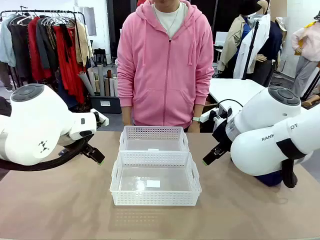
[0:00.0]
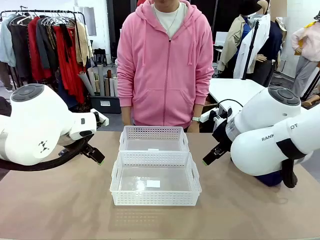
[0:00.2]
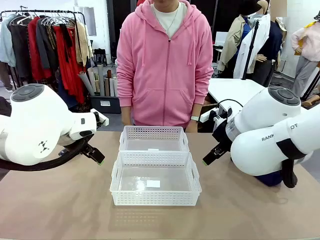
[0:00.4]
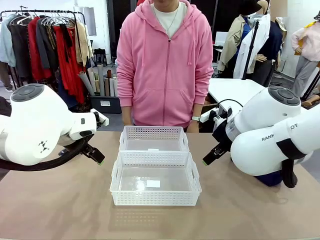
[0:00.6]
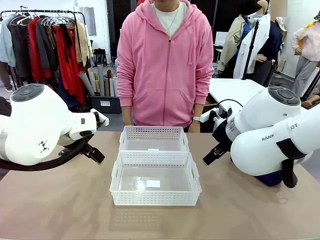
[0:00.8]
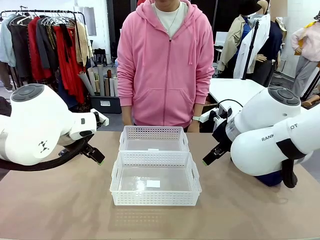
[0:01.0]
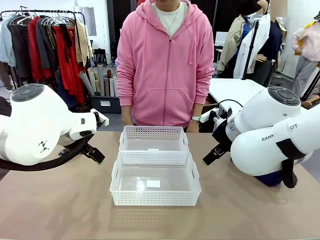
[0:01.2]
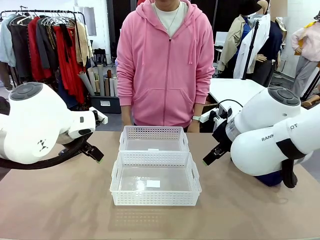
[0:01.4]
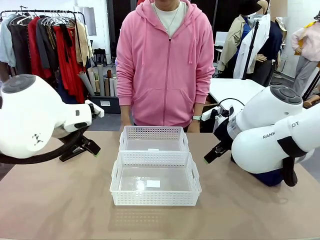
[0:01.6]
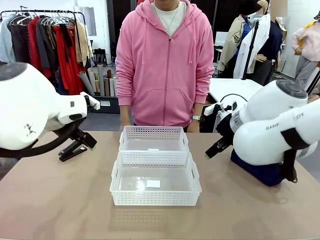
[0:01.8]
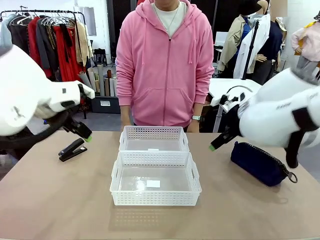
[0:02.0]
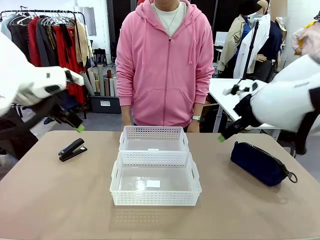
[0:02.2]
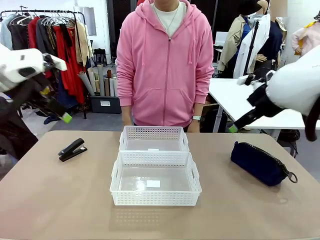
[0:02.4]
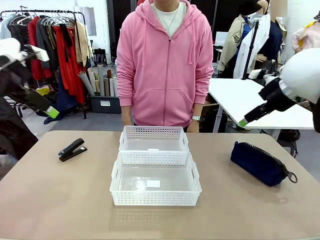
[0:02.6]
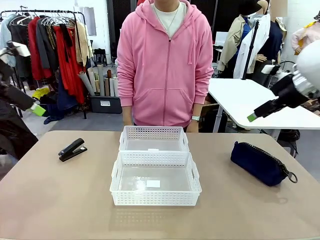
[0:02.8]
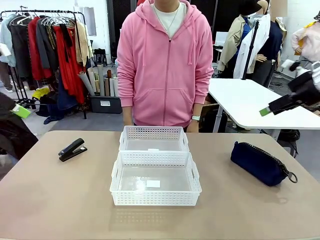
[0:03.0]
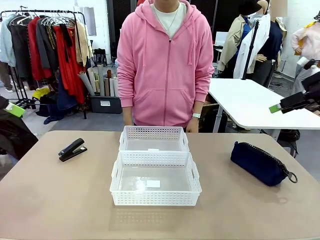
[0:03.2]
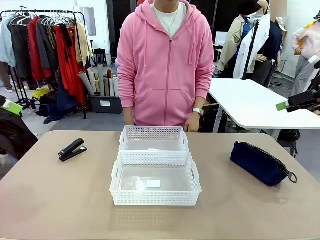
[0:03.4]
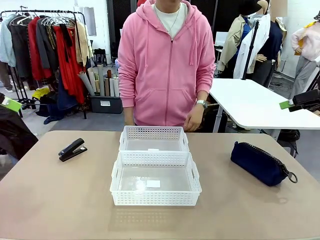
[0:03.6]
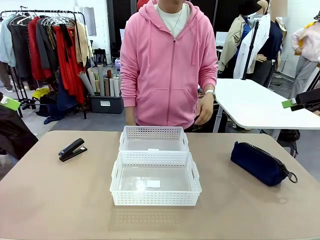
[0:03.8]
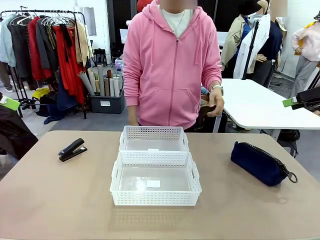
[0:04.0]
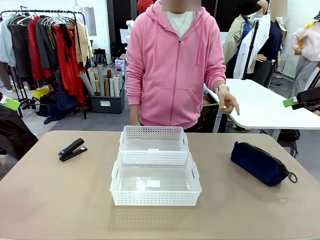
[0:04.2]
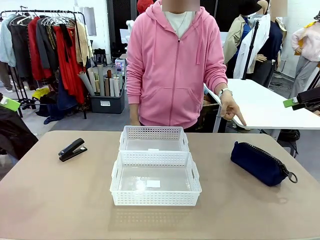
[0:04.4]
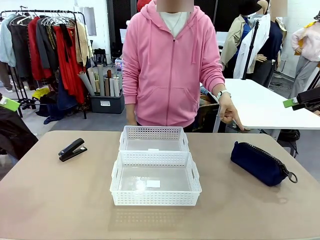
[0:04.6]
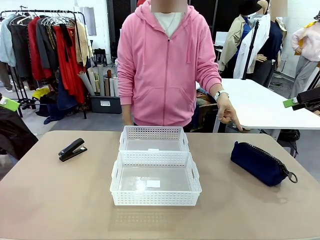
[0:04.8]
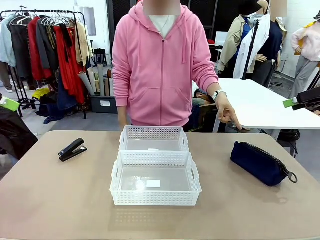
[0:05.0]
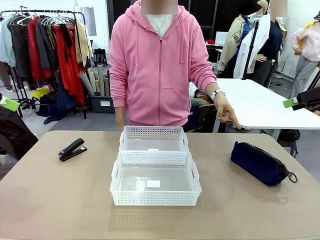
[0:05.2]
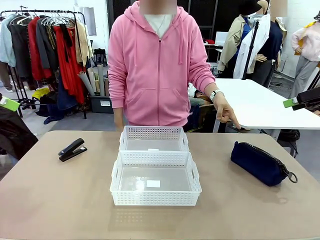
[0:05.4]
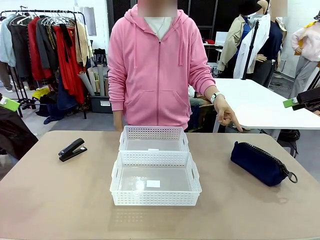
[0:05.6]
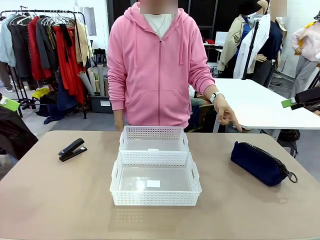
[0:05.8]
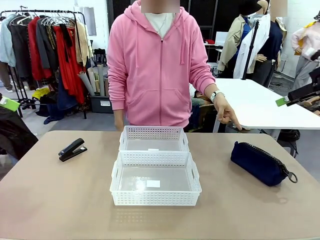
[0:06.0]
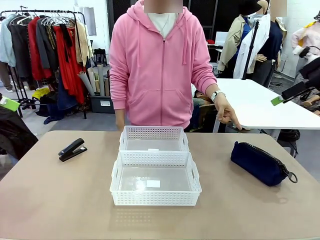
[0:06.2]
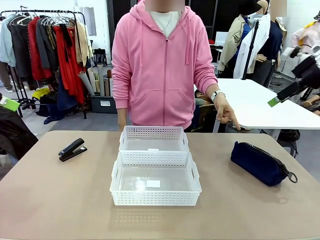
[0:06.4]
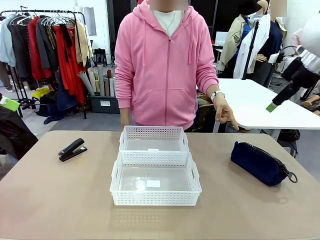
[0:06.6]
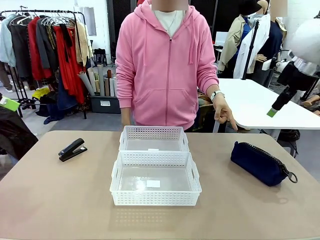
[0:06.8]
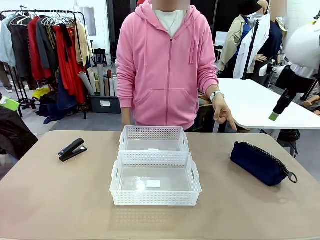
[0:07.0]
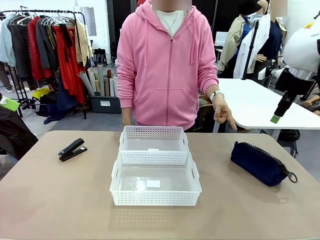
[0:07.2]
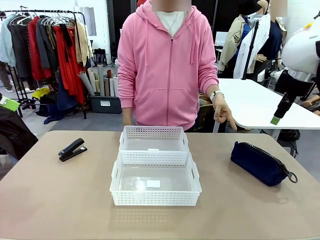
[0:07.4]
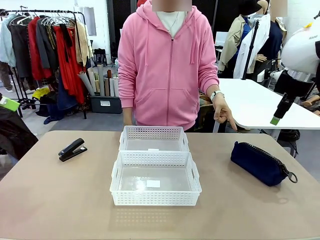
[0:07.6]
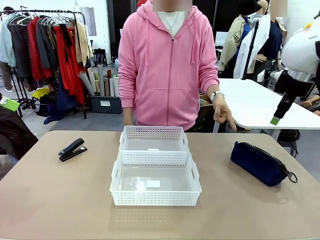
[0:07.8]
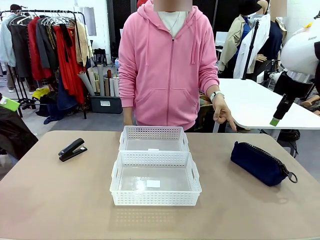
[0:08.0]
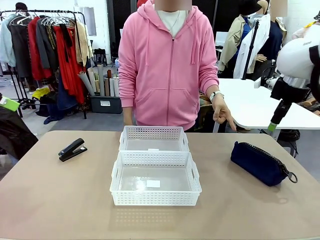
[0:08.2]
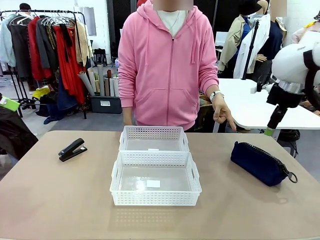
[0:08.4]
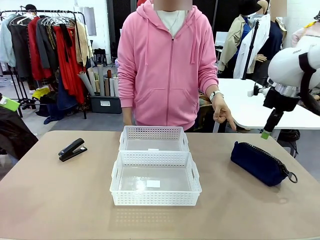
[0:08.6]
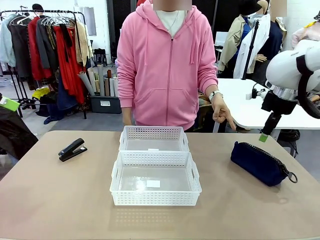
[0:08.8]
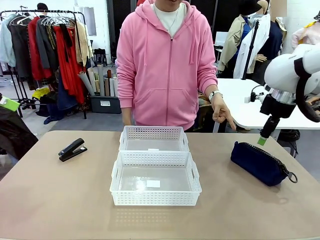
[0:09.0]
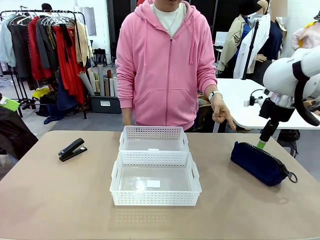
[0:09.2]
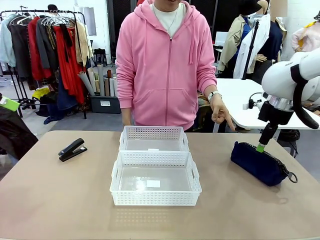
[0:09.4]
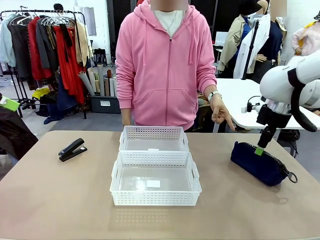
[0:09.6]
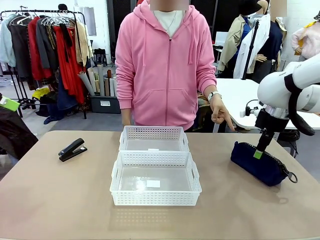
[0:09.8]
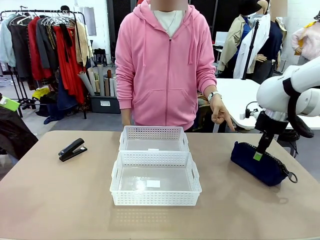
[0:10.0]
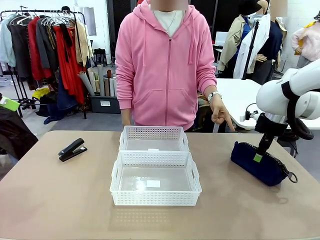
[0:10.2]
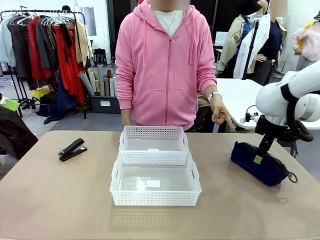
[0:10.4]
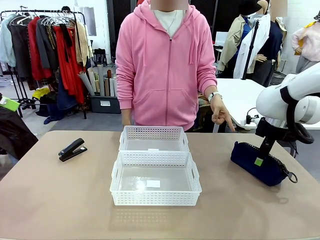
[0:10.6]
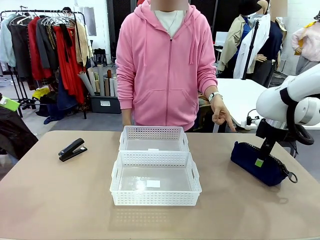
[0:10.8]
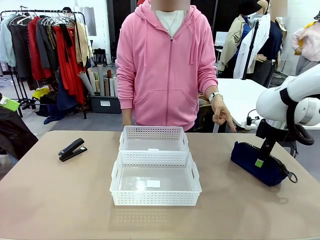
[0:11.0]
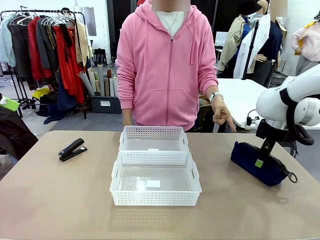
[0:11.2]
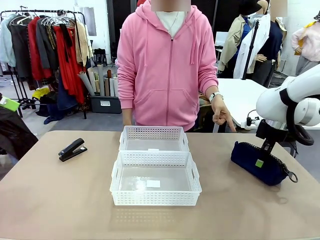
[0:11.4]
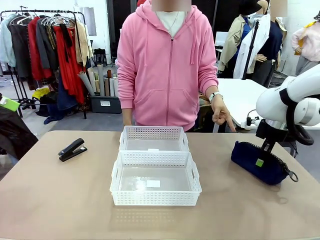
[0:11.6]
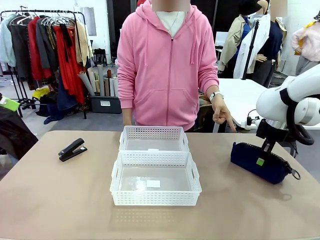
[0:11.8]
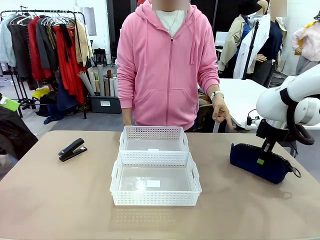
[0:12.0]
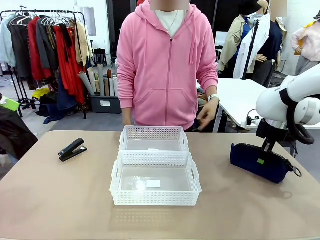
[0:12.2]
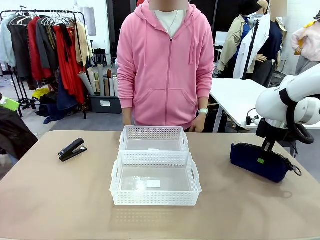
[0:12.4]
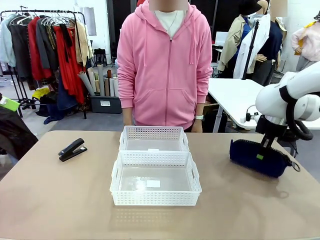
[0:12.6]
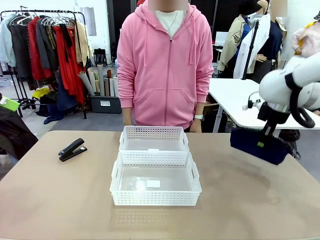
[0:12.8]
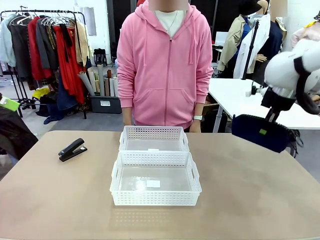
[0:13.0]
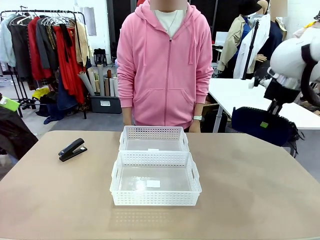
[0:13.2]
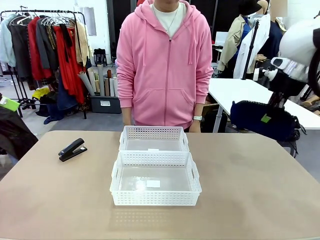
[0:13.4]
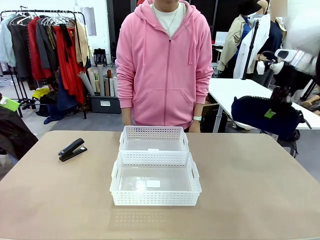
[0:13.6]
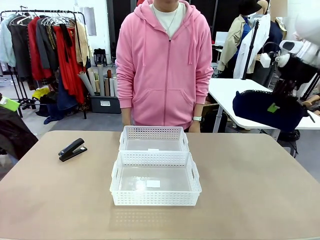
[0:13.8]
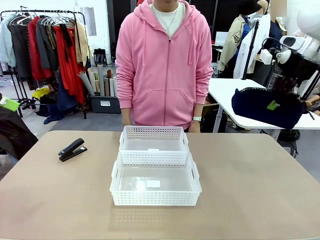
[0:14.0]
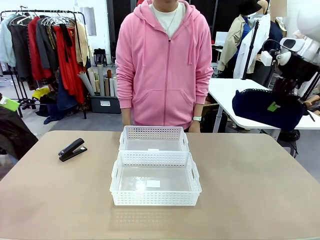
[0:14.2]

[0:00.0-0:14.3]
Task: Distribute items into two baskets.
Robot: Pick up the Pencil pouch that the person points to.
Person: Points to the pencil case. Points between the two organizing baskets and instructs the robot to move the pencil case.

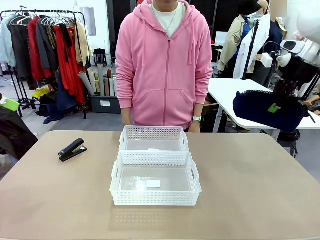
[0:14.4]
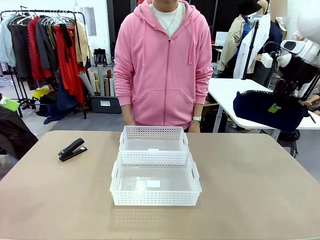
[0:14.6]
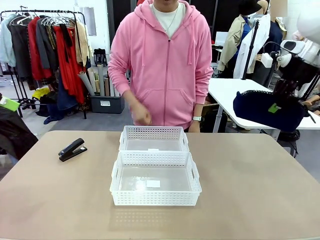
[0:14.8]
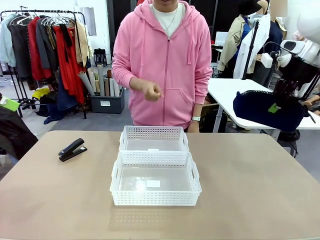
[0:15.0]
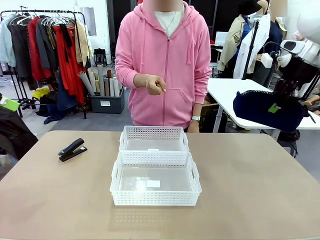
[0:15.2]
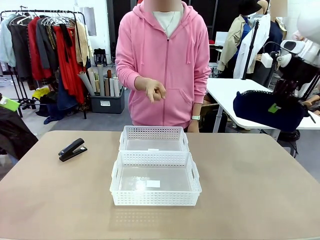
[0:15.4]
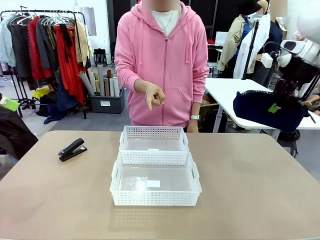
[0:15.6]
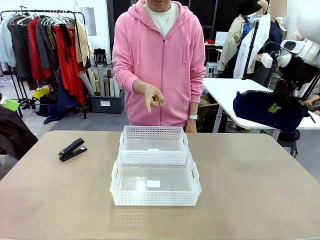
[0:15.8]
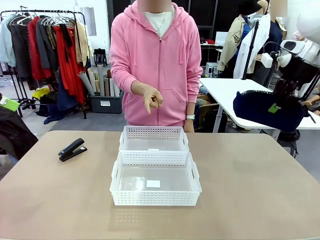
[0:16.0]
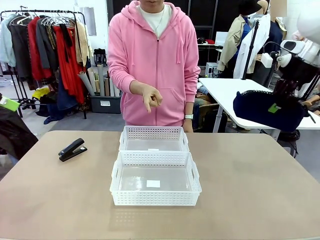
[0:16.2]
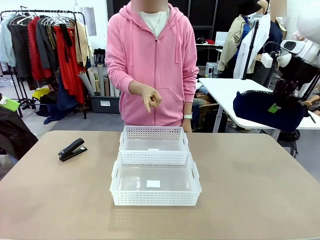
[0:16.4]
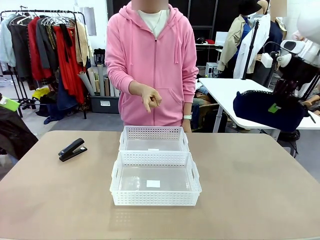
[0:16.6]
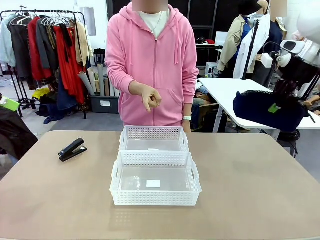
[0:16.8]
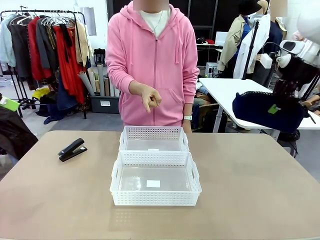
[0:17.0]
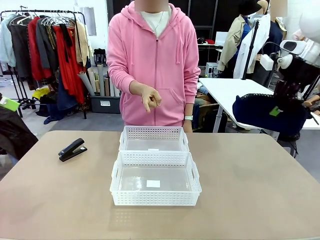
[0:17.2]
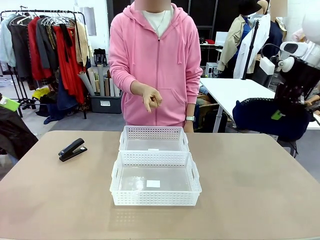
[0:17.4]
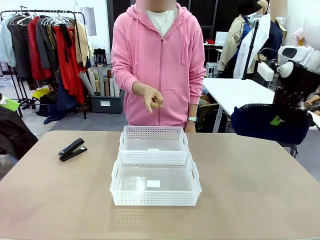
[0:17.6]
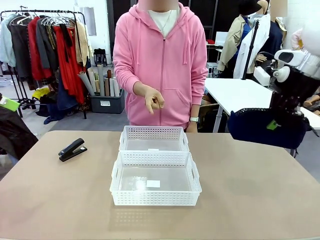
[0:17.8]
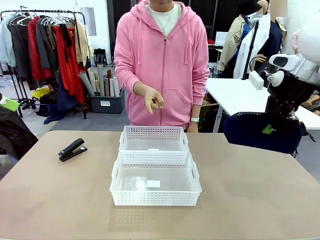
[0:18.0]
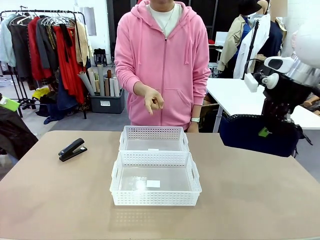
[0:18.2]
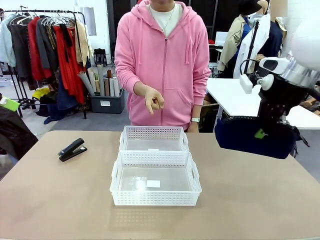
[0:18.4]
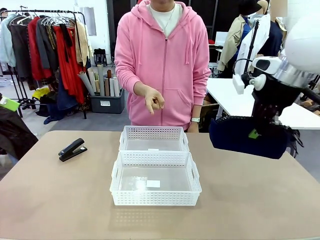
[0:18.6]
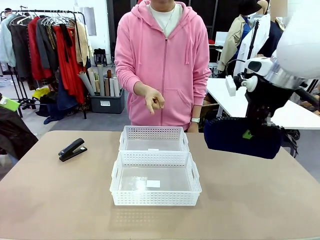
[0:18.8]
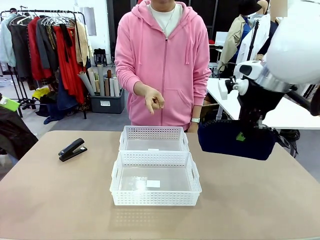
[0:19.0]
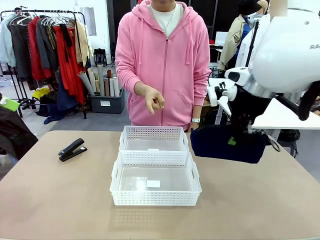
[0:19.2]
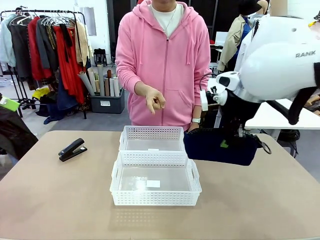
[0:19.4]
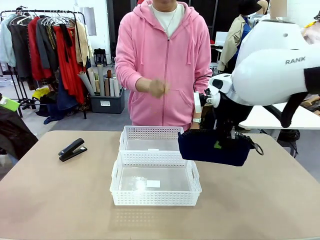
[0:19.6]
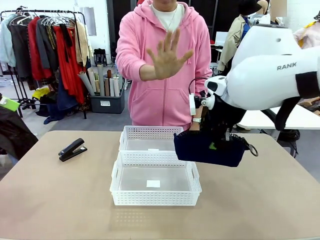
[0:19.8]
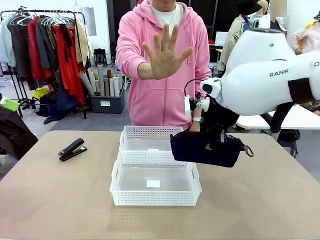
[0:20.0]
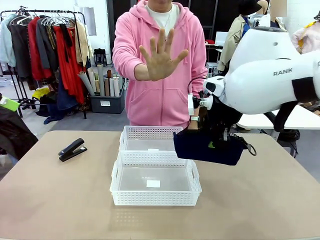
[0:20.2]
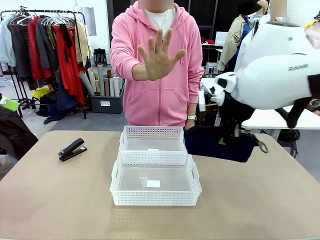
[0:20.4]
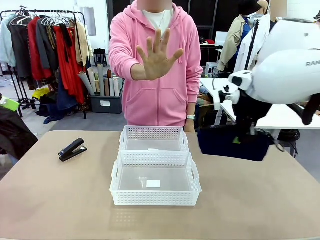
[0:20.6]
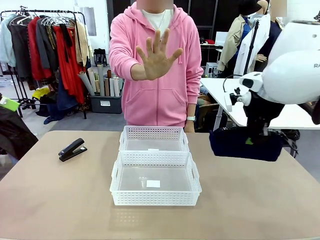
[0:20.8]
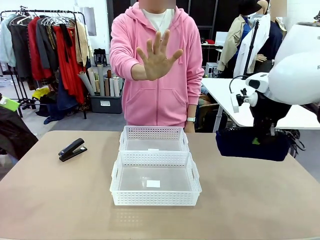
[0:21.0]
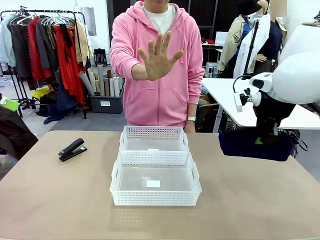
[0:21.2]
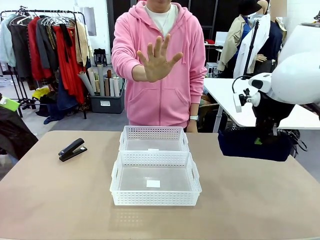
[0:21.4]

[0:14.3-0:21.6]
Robot: Move the picked Pencil pouch towards the Organizing basket indicated by the person, stopping as directed.
Person: Sends a stop gesture before the robot places the pencil case into the basket.
